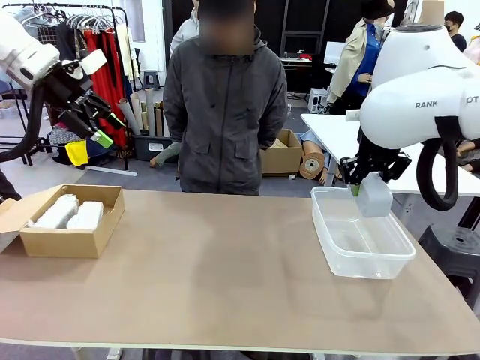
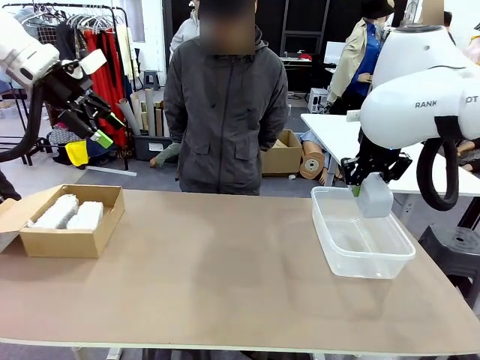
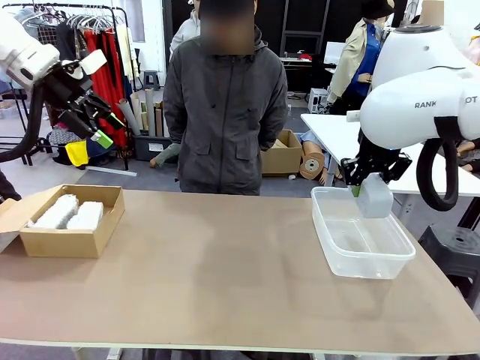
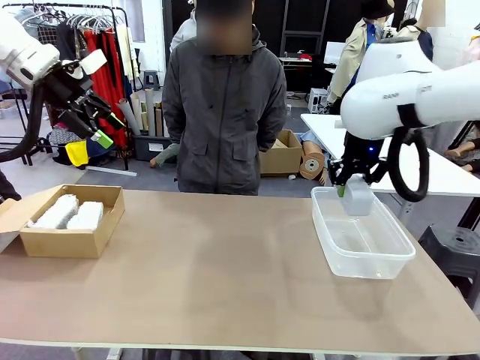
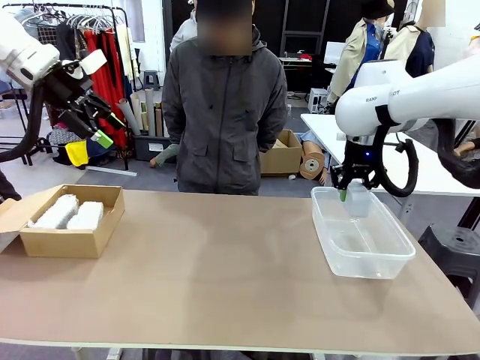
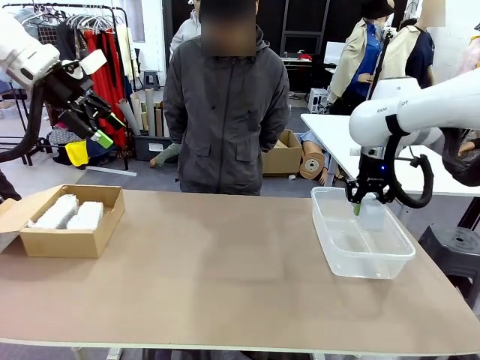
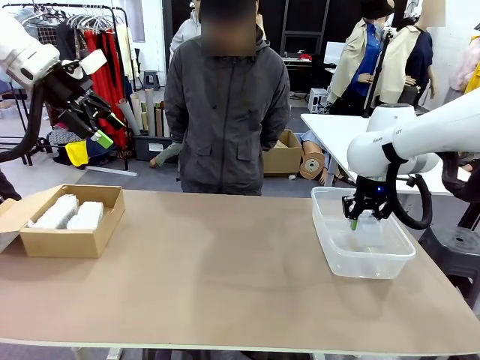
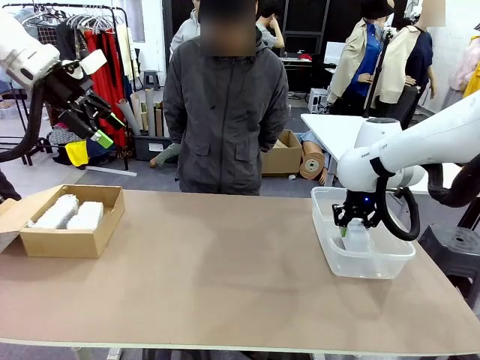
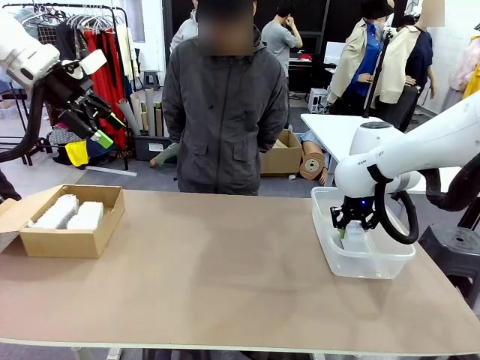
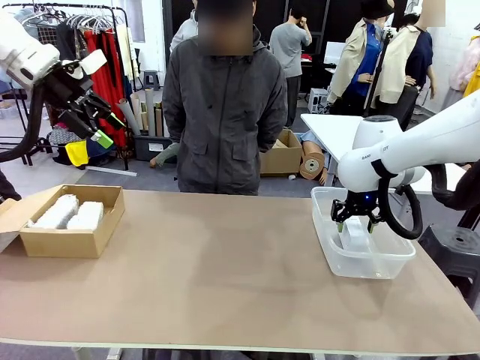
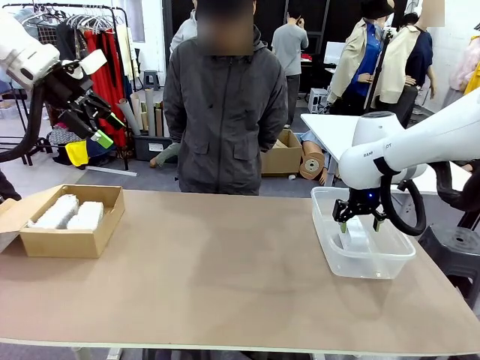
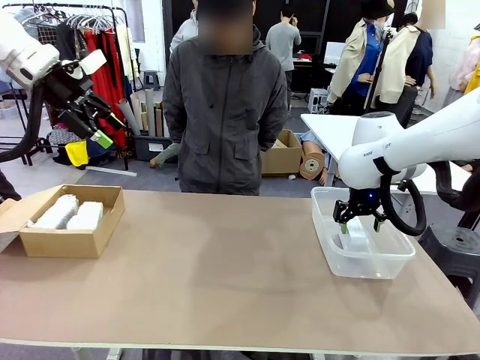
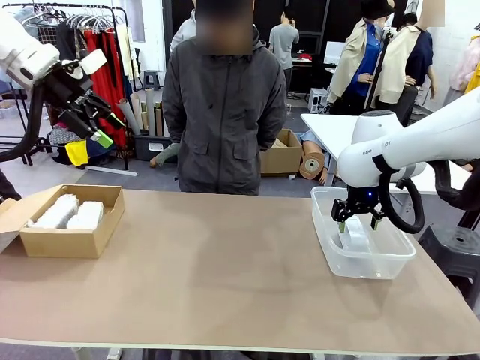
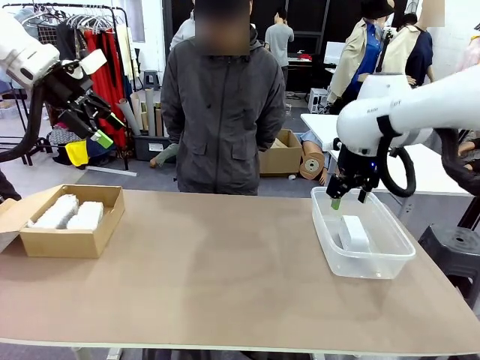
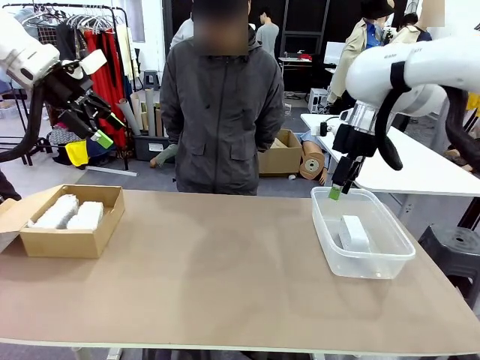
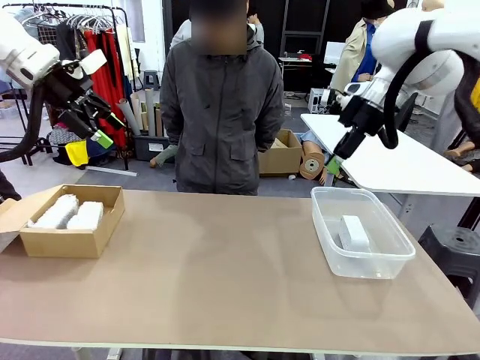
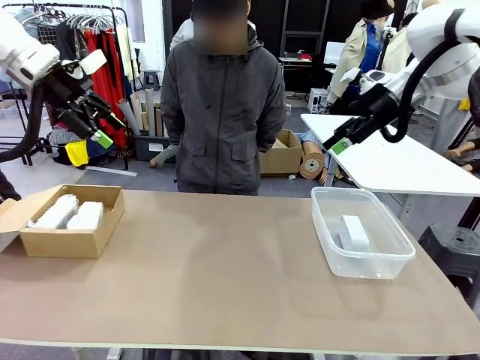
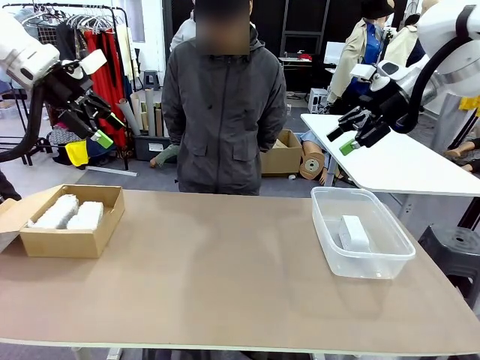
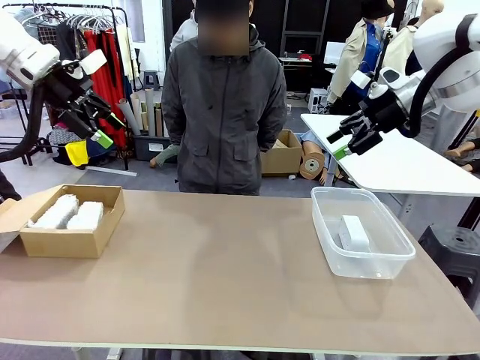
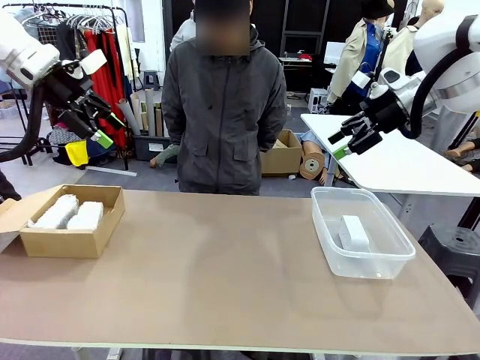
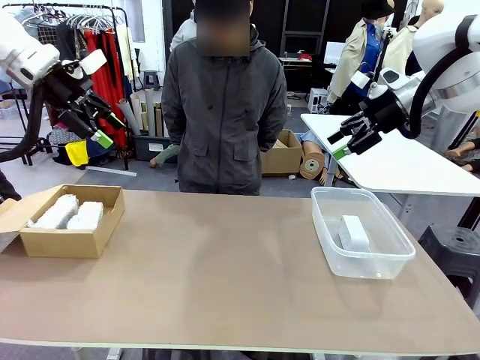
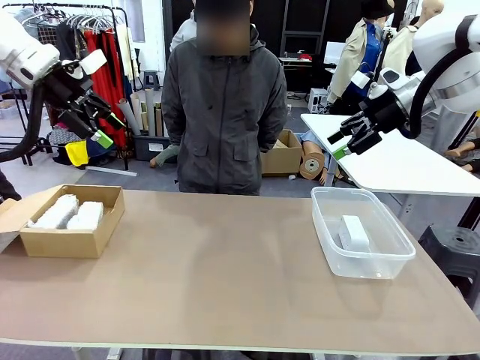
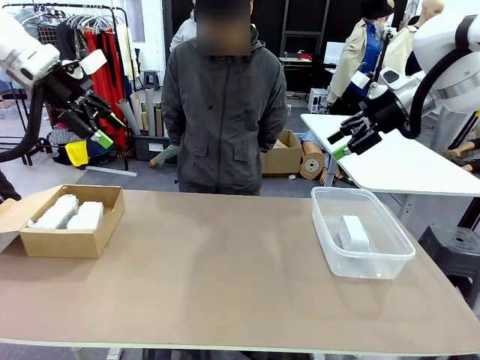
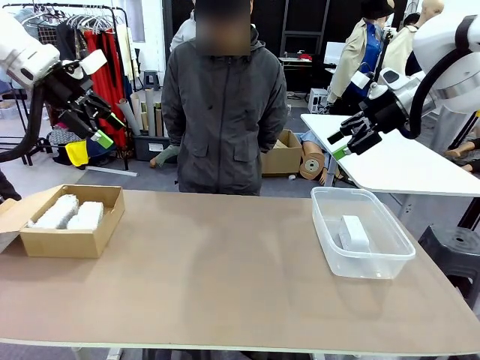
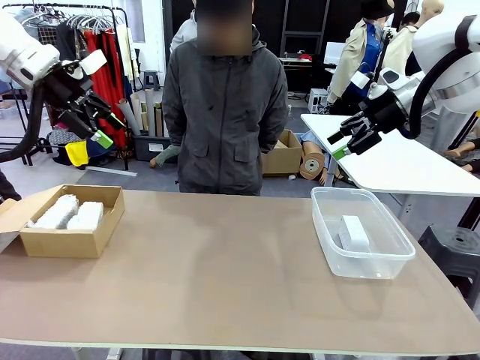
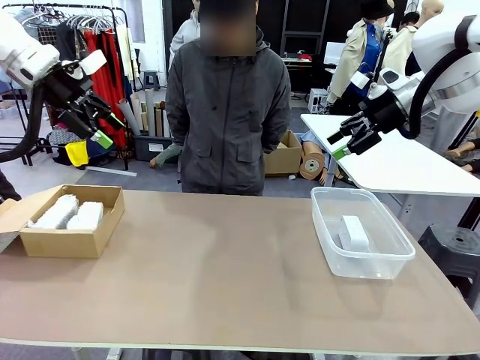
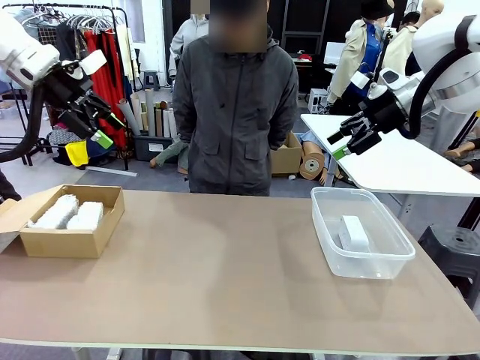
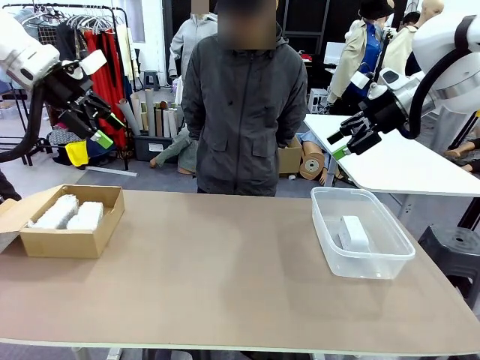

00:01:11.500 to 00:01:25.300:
Task: Separate and place wrapped and unwrapped clocks.
Robot: If the picked Digital clock is wrapped, place it in the Package Box ; if not, place it in the Organizing box.

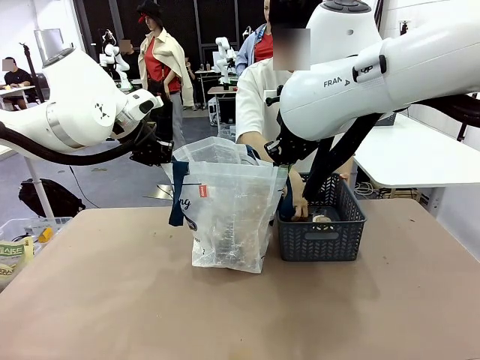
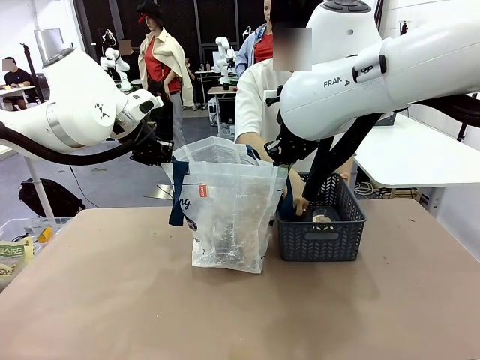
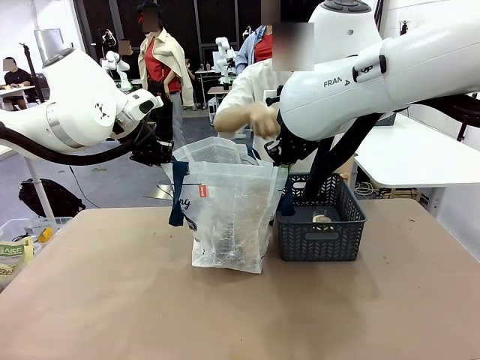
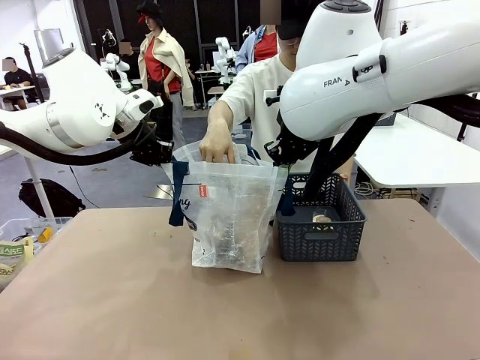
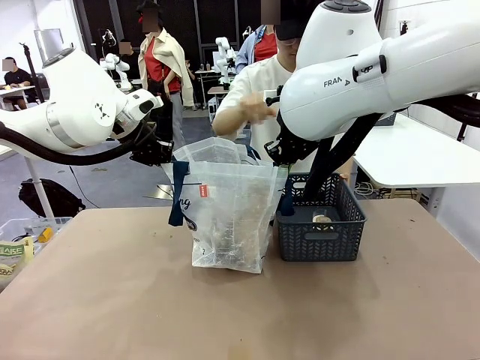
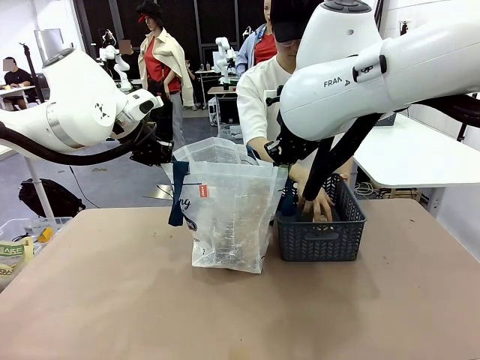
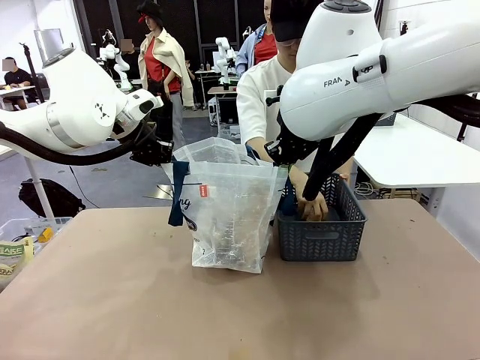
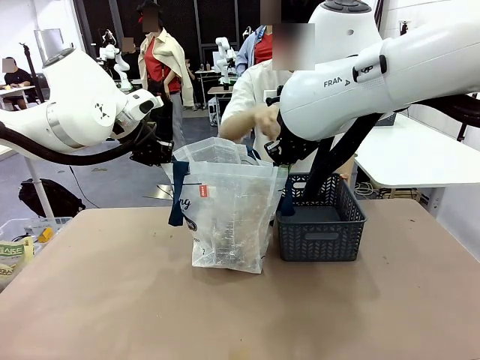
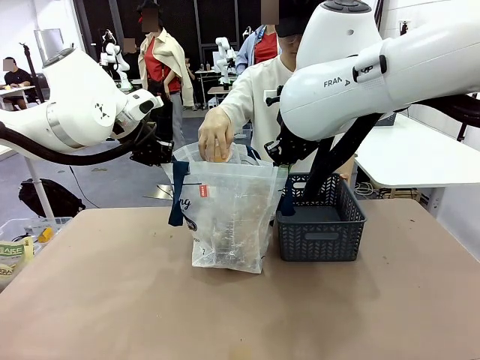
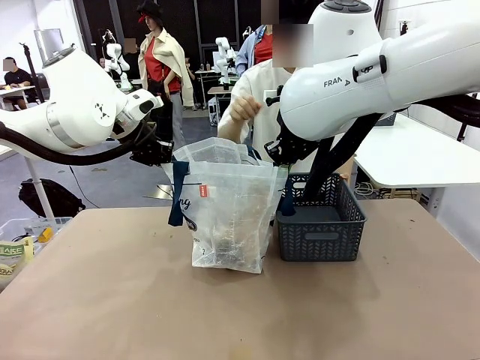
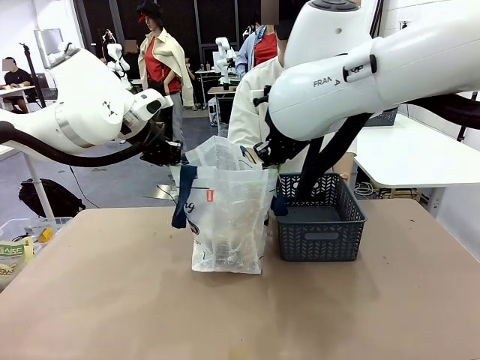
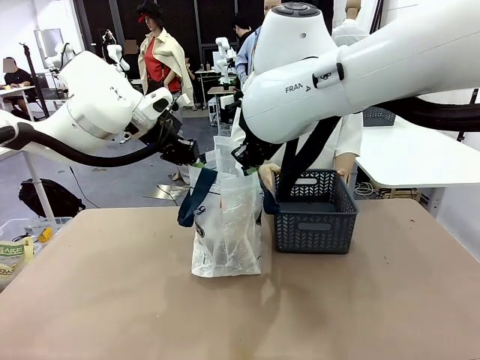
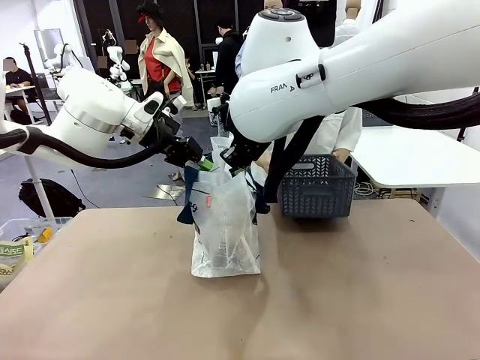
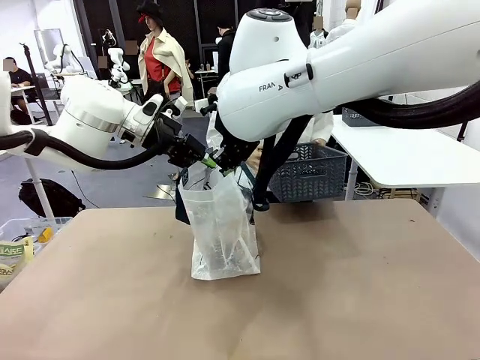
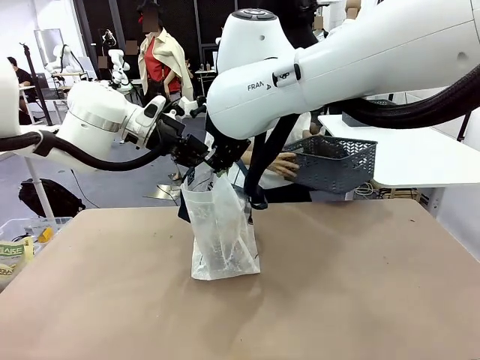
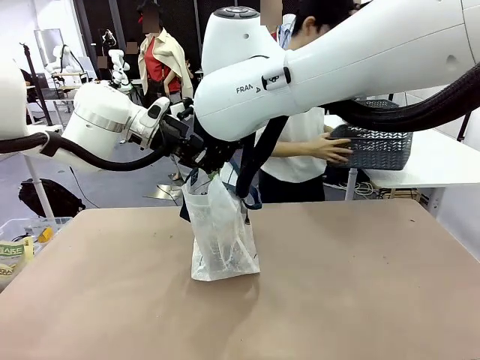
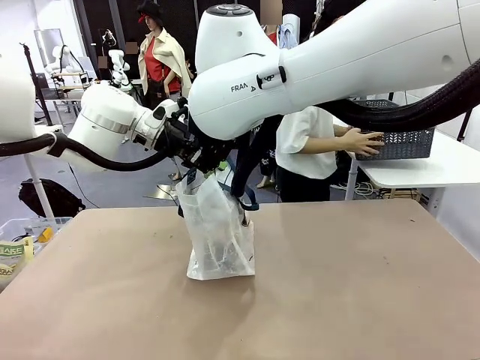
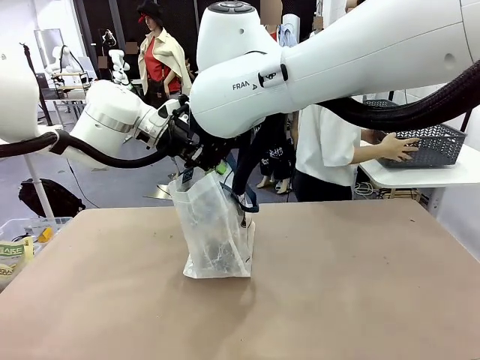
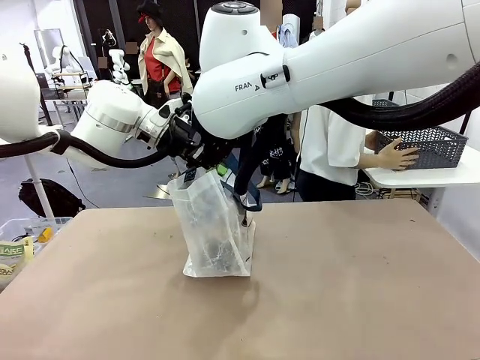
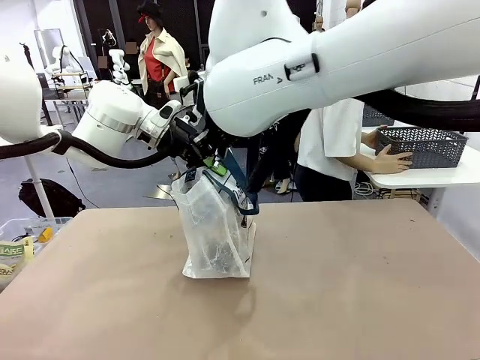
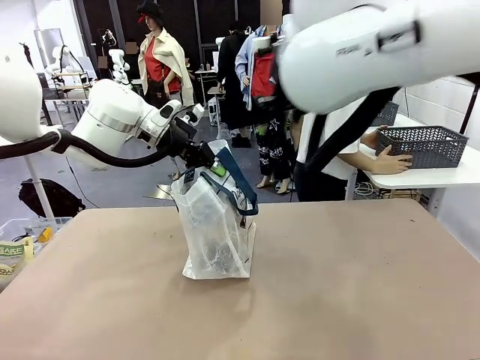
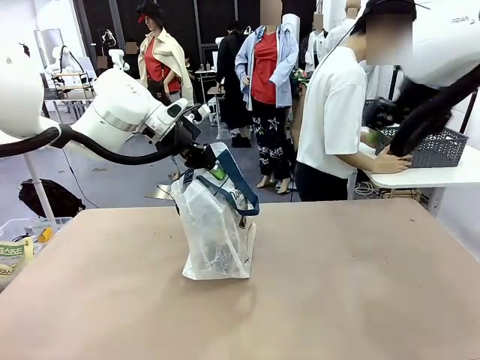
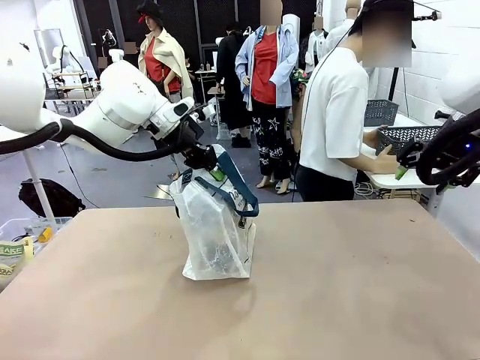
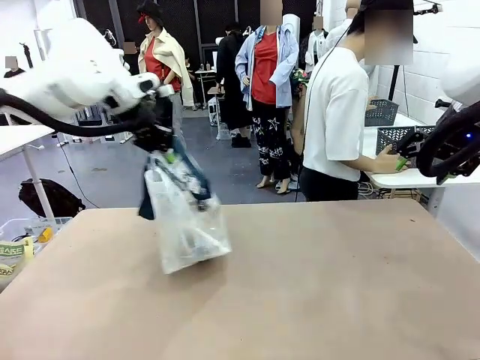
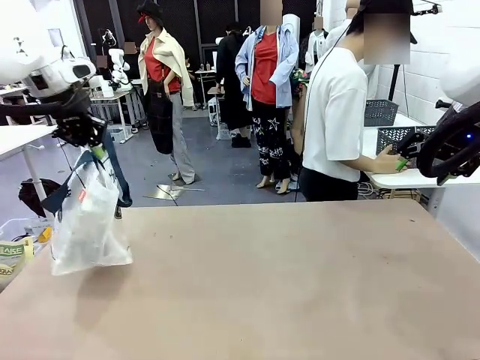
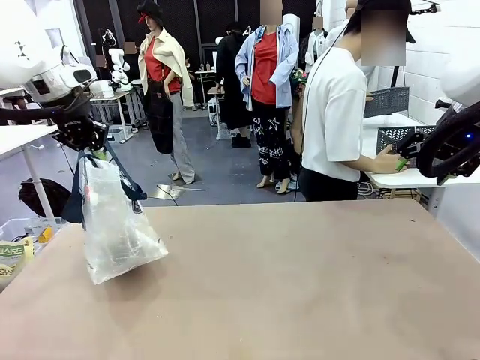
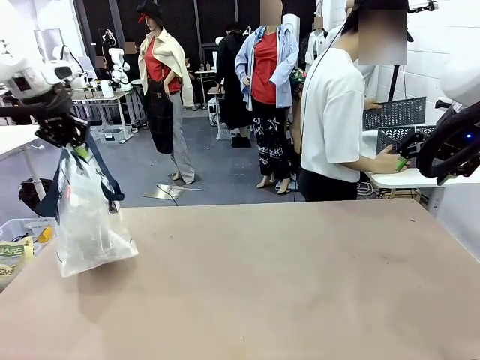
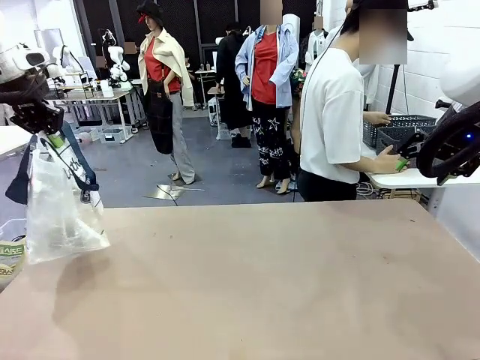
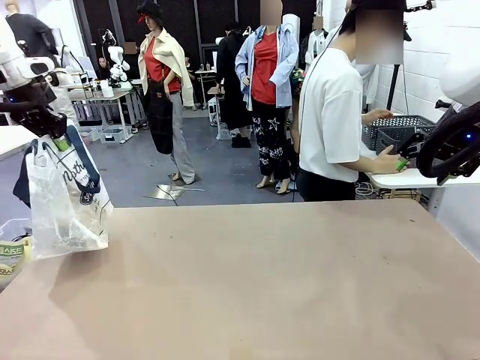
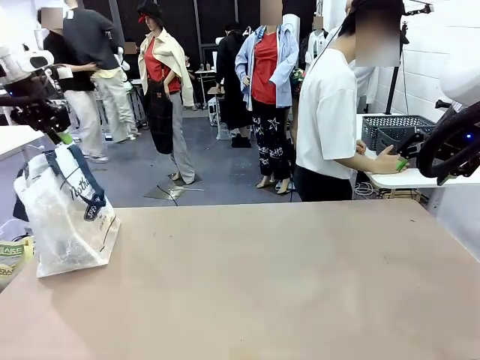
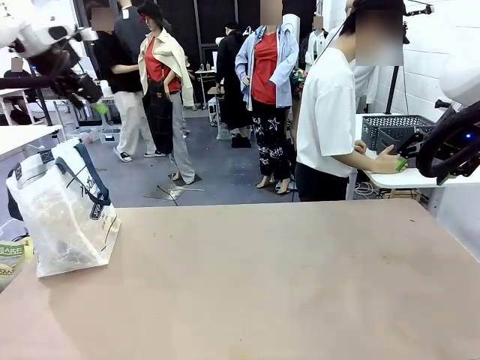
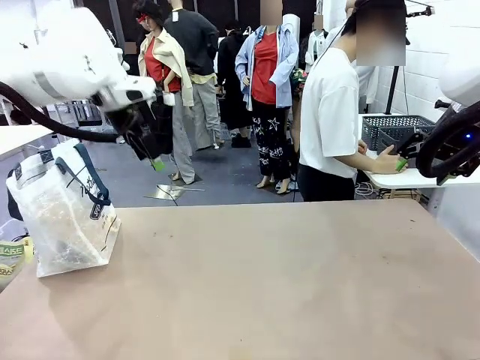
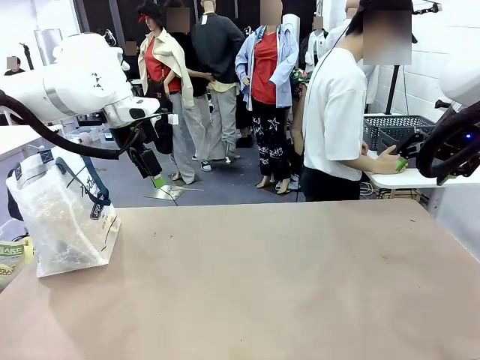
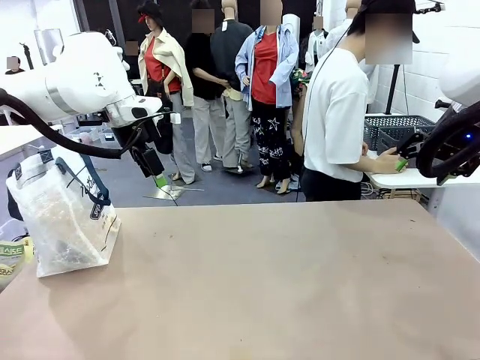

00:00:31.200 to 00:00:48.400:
Task: Transfer purchased items from the store into the shopping bag.
Robot: Move the Reusable shopping bag to the right side of the table.
Person: Move the basket on the left to the middle of the person's table.
